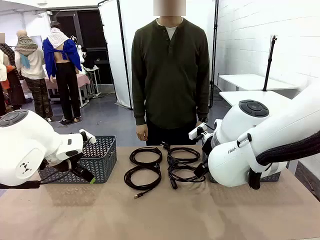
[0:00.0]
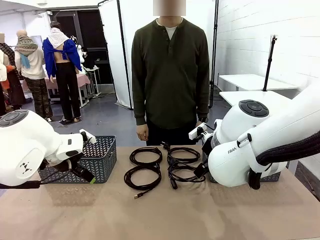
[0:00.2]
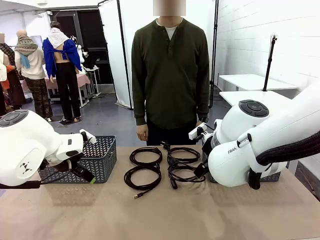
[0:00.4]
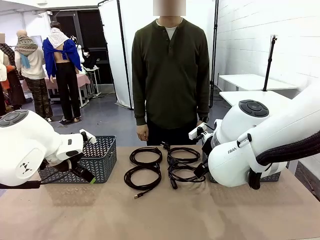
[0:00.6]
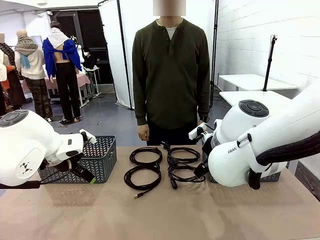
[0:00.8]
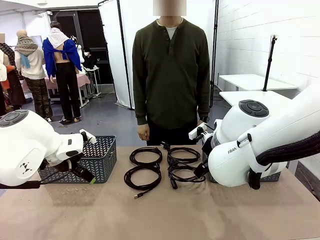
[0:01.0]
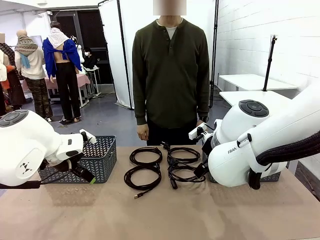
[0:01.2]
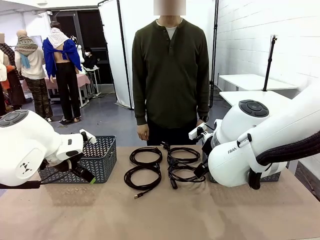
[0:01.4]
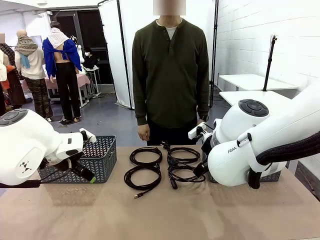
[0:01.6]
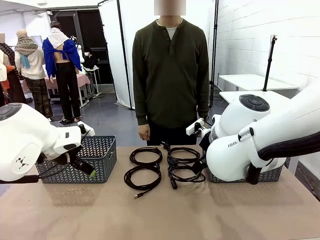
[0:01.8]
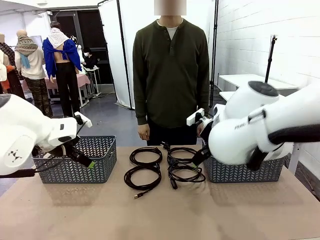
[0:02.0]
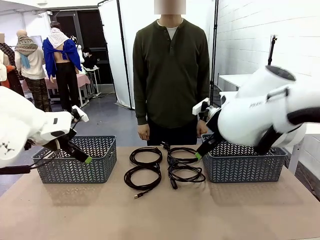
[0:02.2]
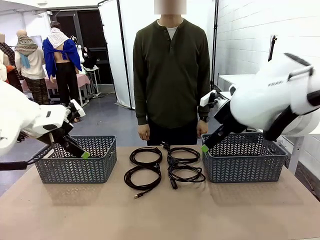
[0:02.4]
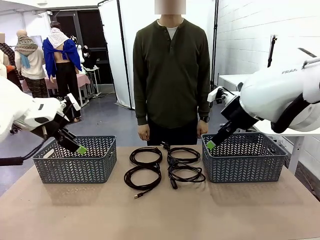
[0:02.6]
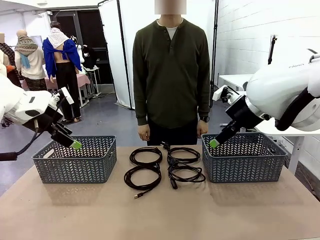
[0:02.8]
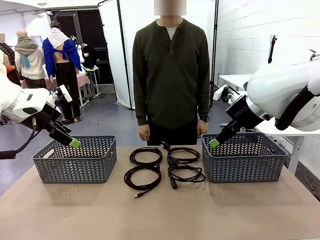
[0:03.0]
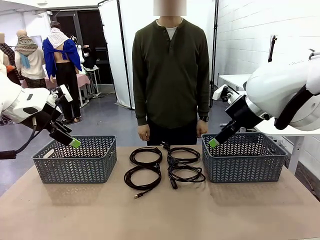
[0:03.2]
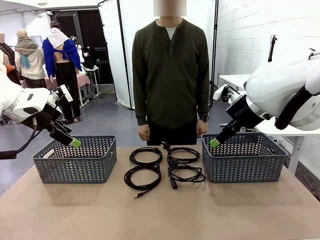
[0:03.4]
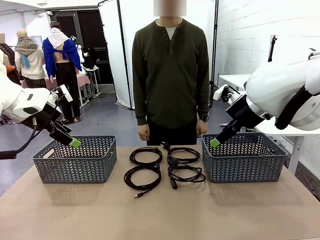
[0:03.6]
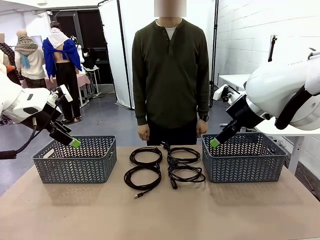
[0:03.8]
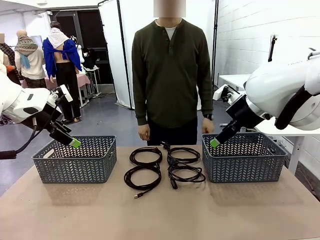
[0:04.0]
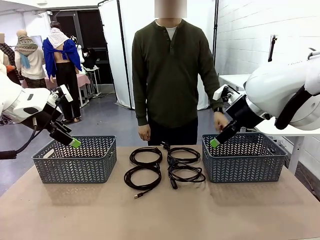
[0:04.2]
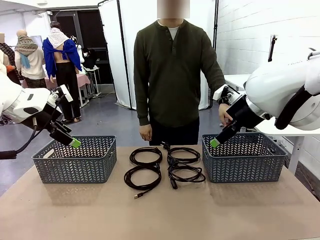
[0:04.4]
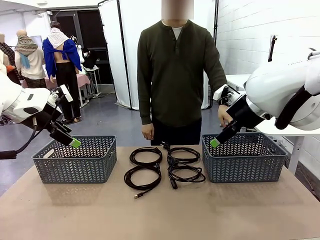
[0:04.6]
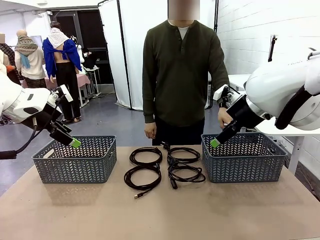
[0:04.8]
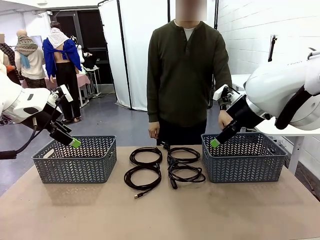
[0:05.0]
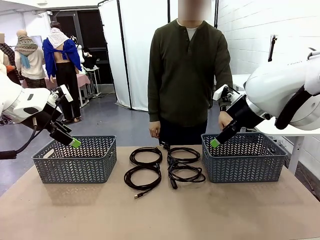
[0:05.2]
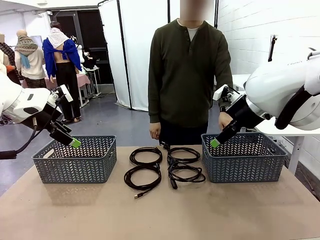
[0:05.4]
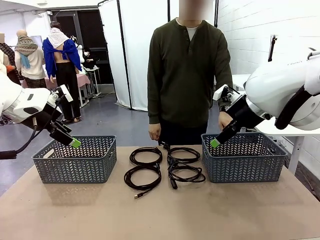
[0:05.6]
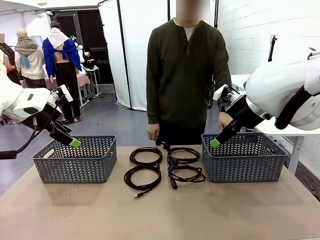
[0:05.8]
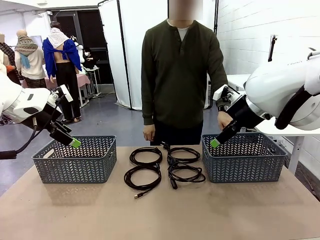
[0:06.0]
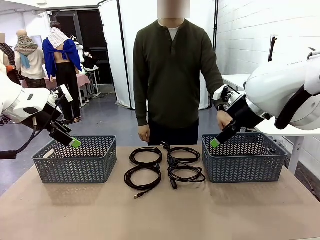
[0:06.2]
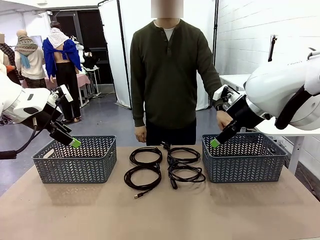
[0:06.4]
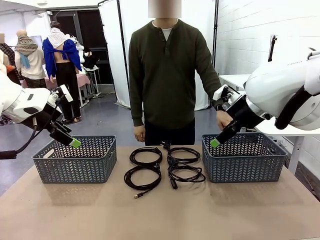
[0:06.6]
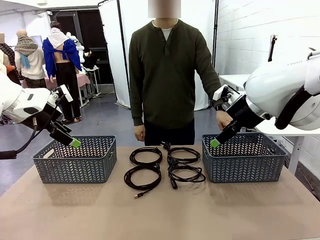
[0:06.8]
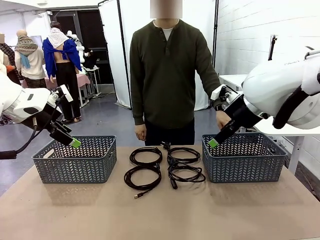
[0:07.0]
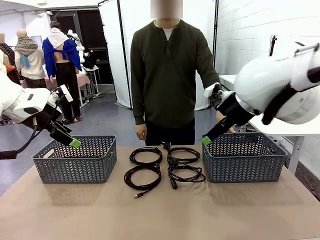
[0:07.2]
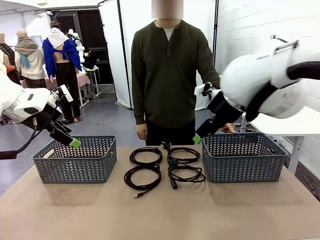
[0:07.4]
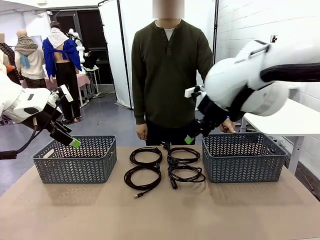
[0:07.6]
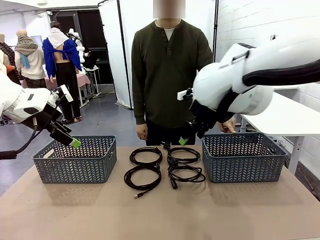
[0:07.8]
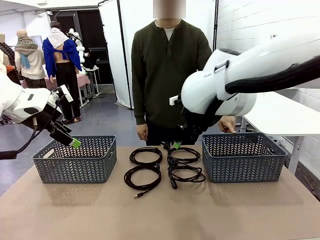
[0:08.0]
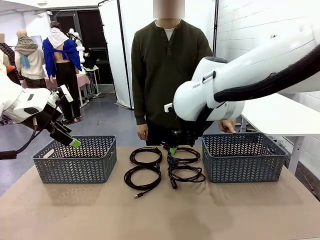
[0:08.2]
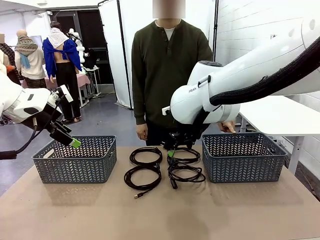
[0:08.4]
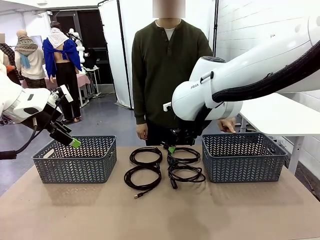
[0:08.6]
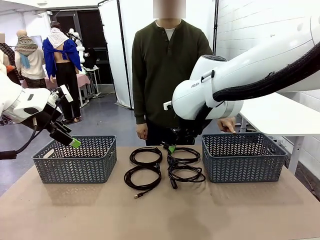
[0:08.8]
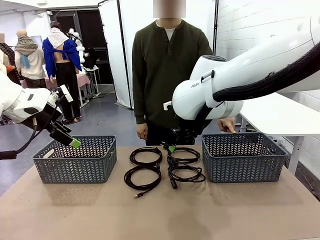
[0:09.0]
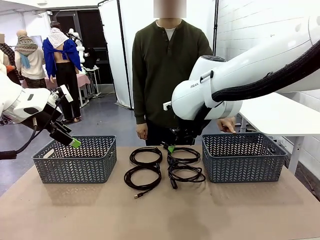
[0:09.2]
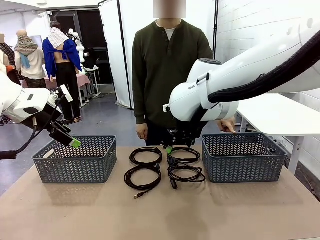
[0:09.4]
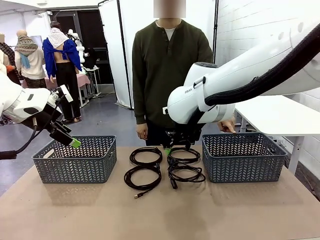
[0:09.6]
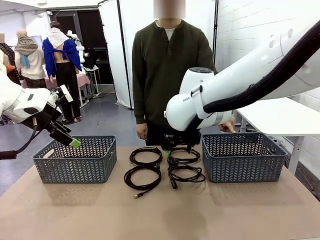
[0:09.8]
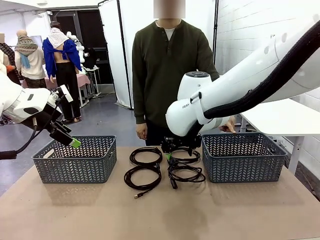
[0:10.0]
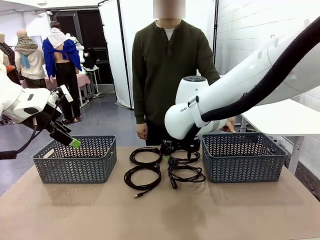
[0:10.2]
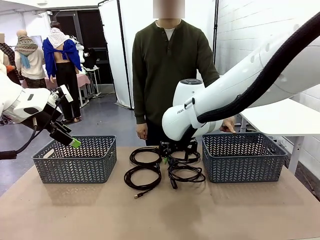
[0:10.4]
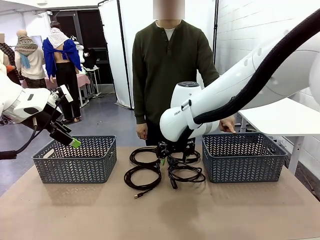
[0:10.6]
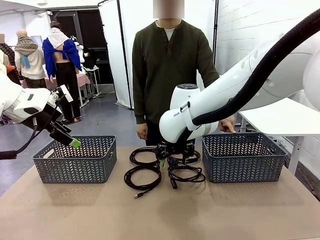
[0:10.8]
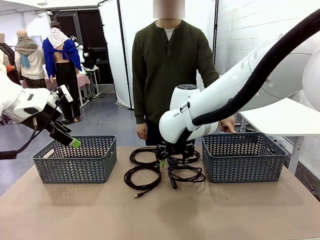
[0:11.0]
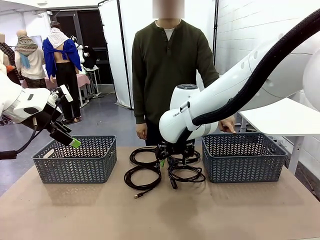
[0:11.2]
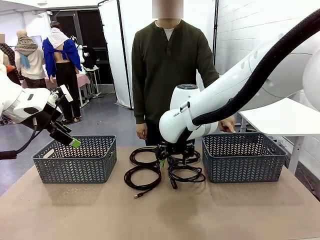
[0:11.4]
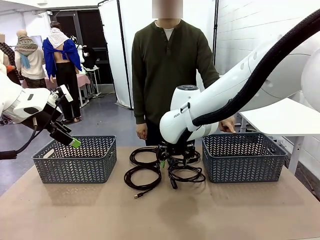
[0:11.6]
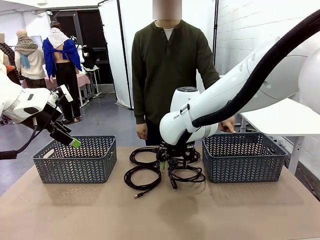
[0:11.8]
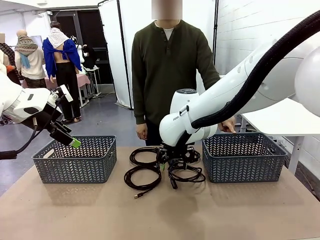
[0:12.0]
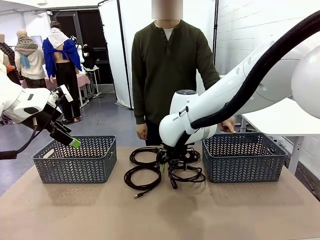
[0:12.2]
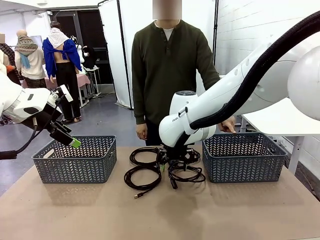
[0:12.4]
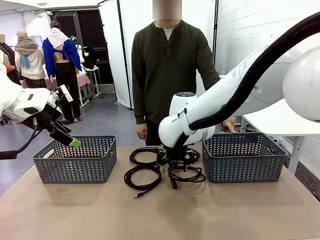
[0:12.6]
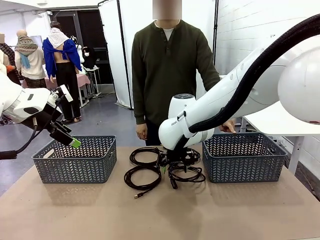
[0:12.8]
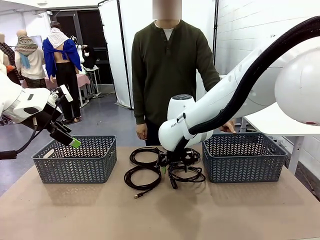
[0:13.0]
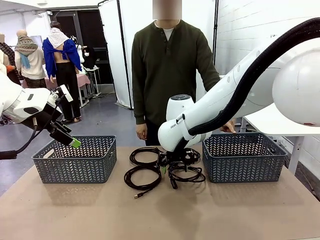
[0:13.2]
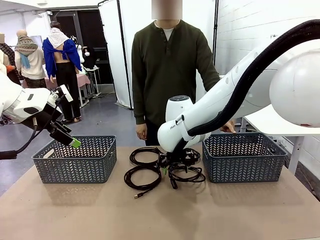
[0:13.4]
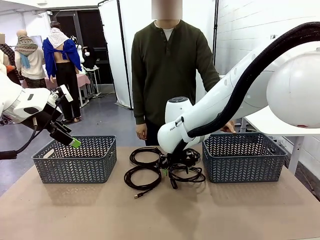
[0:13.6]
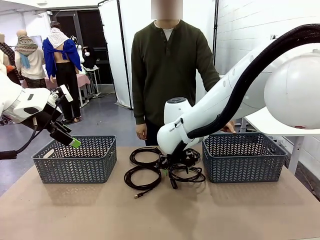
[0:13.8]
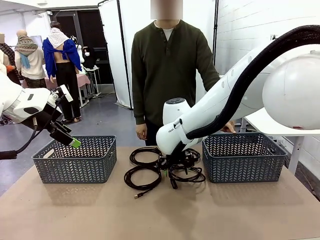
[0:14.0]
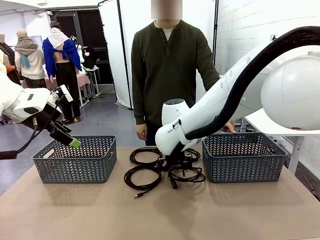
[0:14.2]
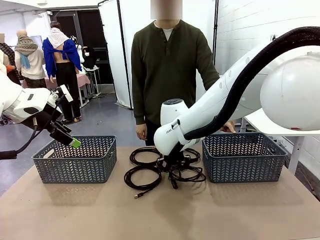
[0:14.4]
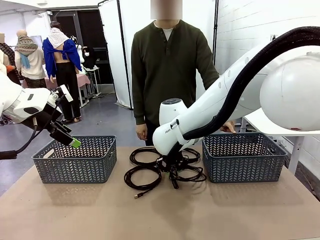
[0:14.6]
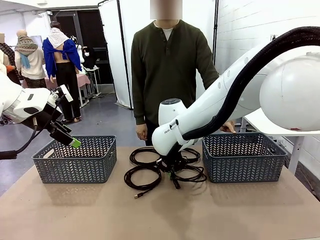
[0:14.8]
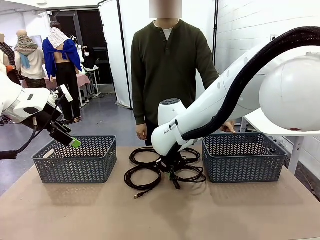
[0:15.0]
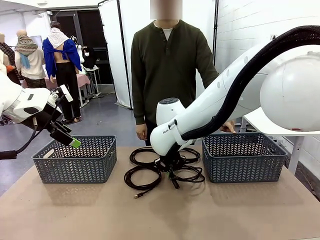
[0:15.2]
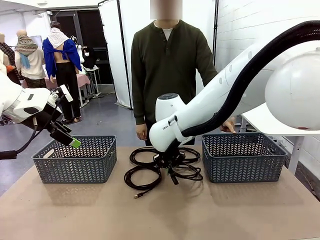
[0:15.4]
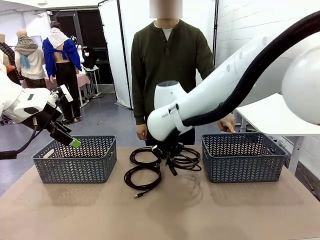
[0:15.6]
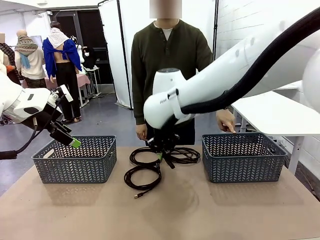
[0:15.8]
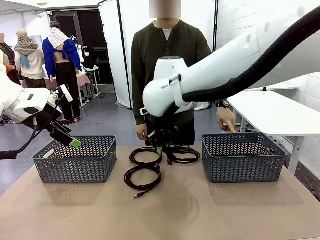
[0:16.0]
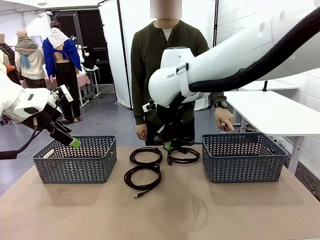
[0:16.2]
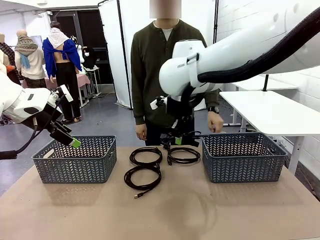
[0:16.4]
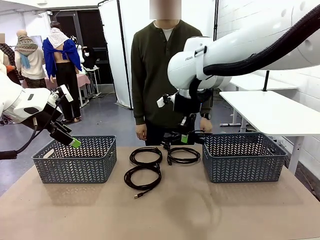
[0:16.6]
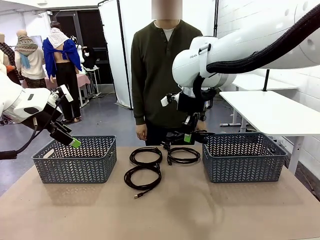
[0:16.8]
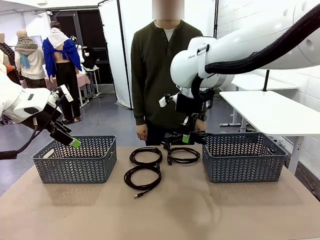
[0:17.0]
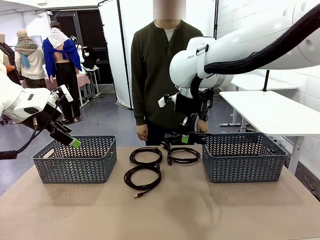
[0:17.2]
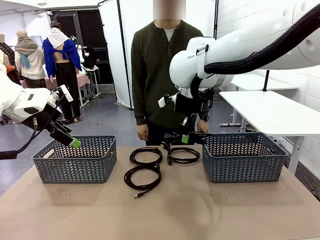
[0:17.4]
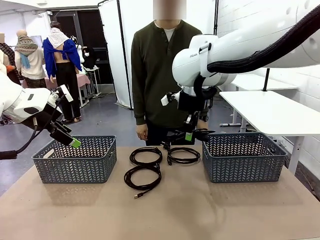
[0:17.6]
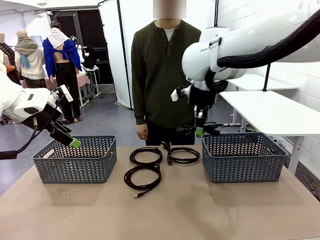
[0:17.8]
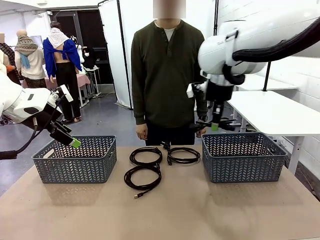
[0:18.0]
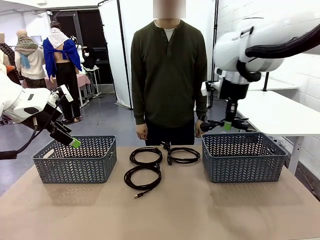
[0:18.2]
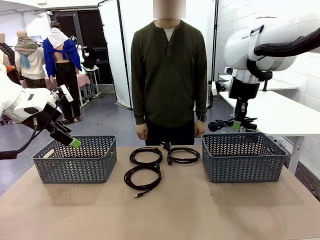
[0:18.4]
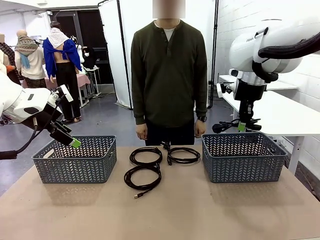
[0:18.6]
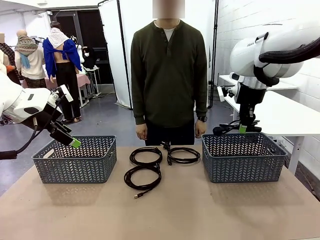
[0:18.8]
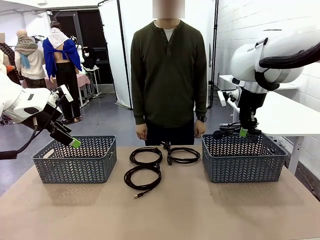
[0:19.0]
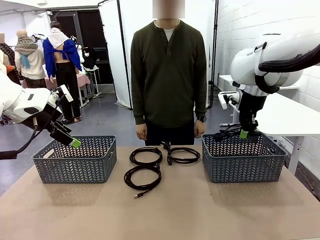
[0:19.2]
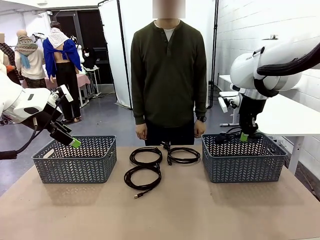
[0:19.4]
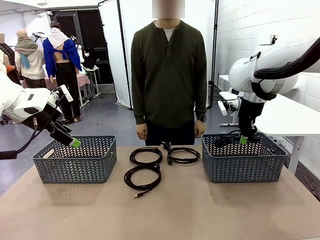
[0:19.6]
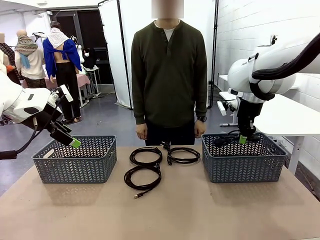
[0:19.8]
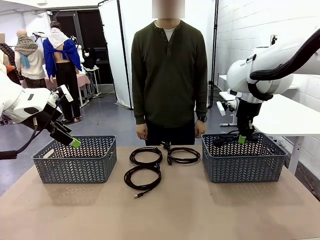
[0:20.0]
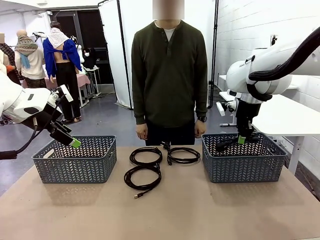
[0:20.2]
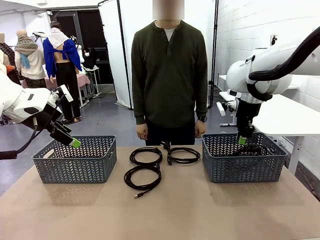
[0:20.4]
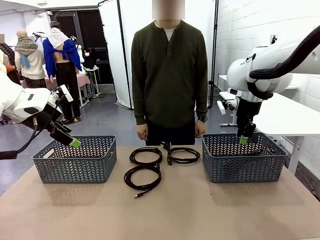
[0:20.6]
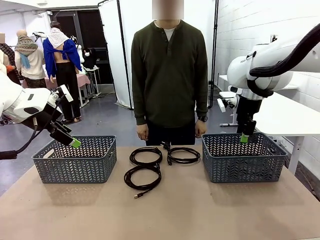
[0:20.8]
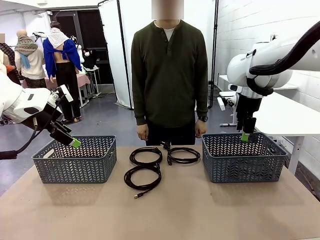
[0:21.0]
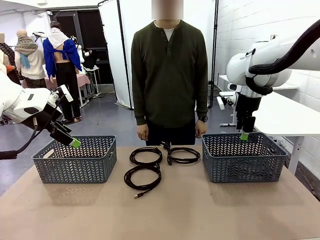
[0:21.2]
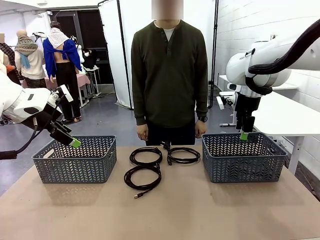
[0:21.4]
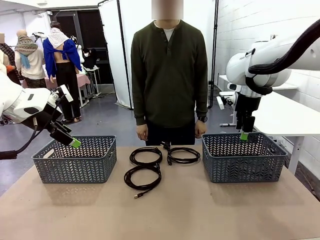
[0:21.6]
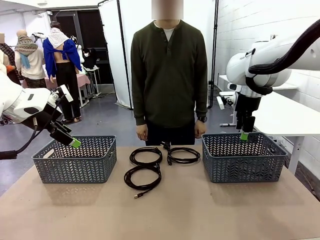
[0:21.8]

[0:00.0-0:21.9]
Task: Organize the cables according to human instructions.
Robot: Pick up a bundle of cables and place it in the basket indicated by the human.
